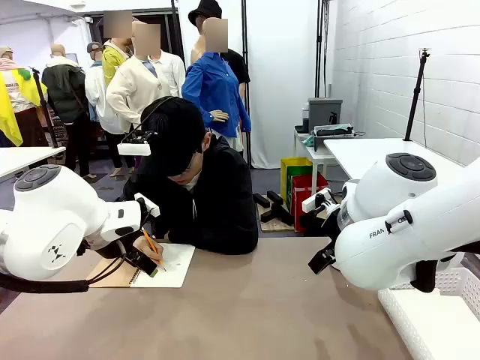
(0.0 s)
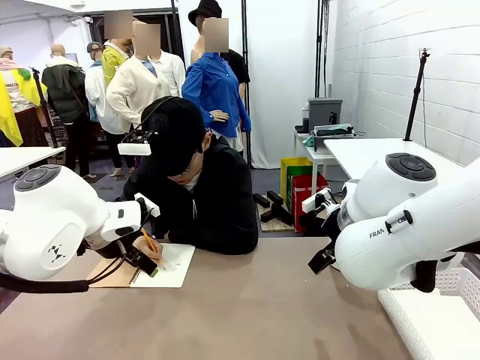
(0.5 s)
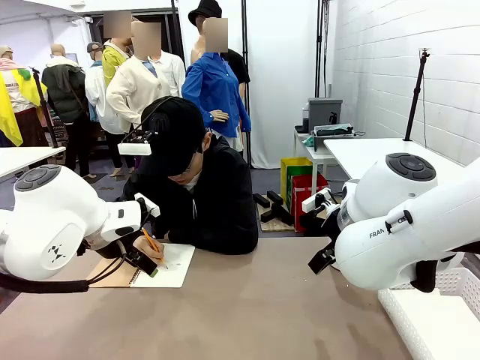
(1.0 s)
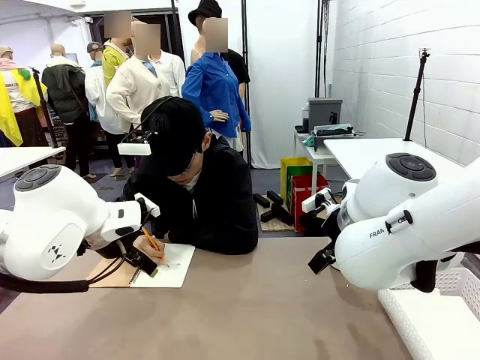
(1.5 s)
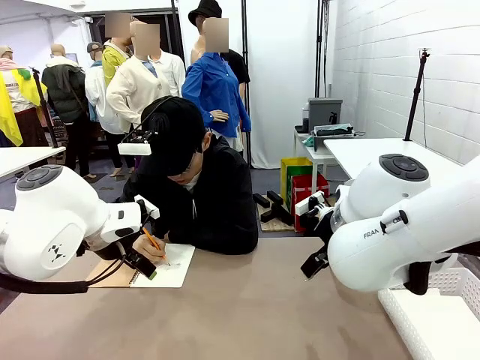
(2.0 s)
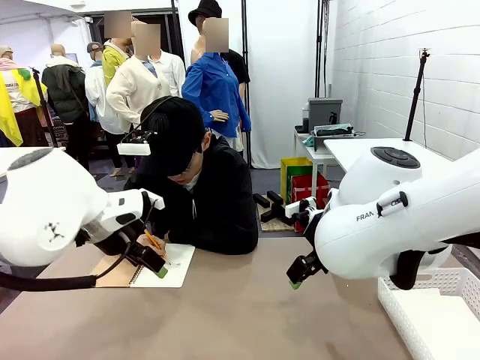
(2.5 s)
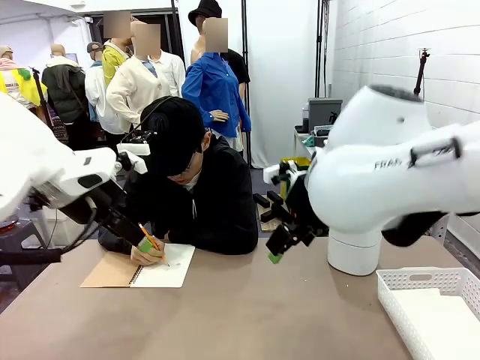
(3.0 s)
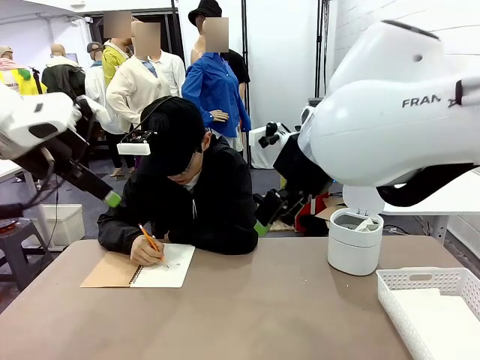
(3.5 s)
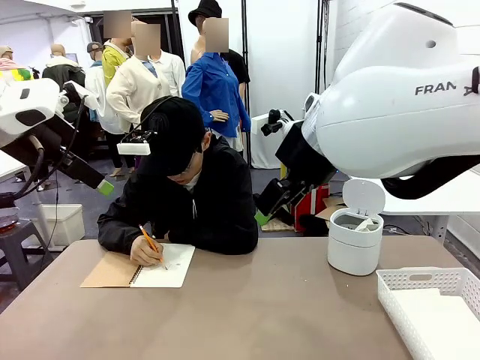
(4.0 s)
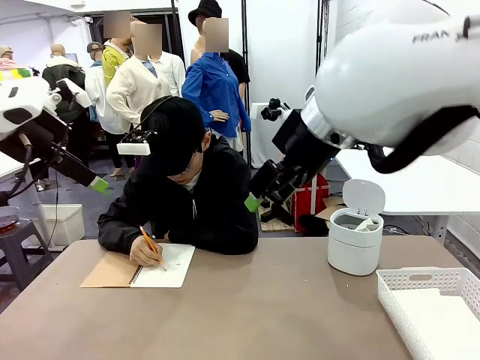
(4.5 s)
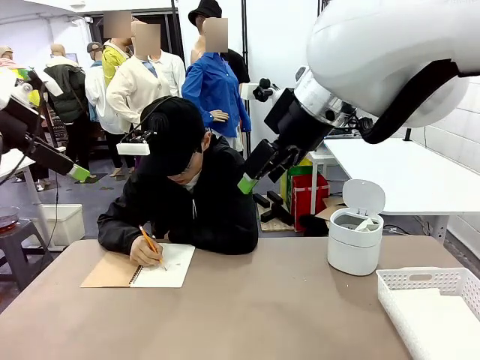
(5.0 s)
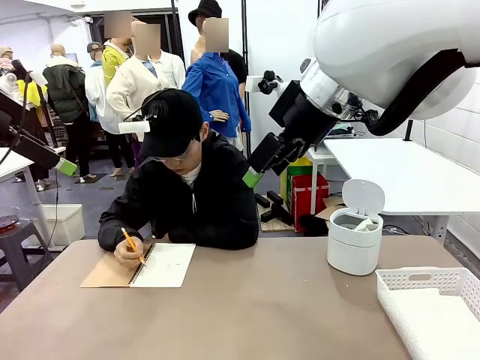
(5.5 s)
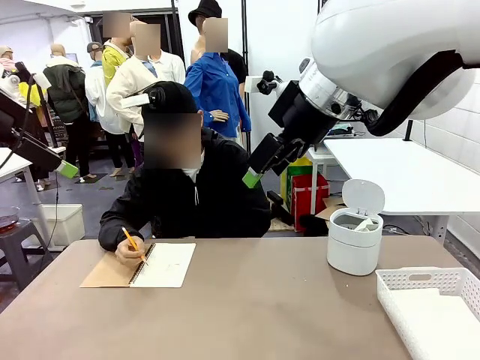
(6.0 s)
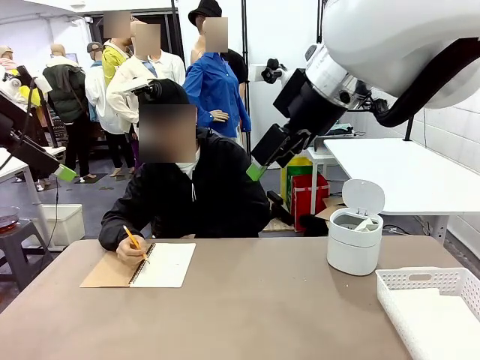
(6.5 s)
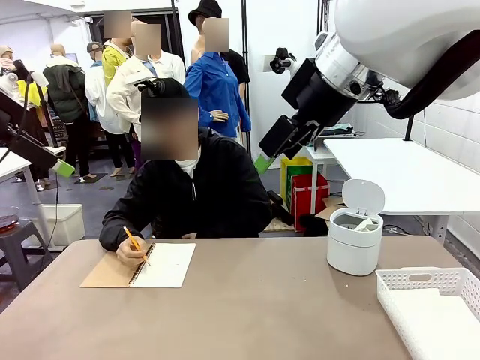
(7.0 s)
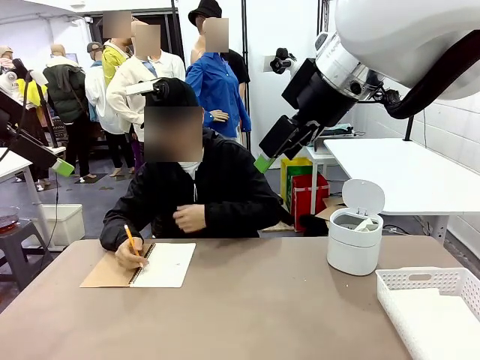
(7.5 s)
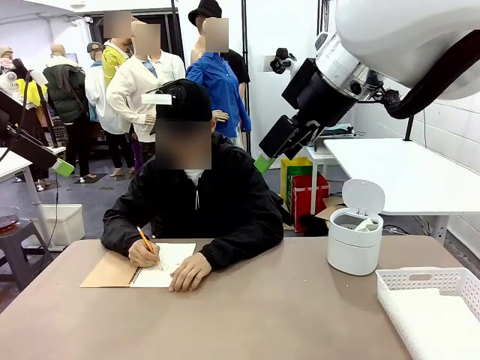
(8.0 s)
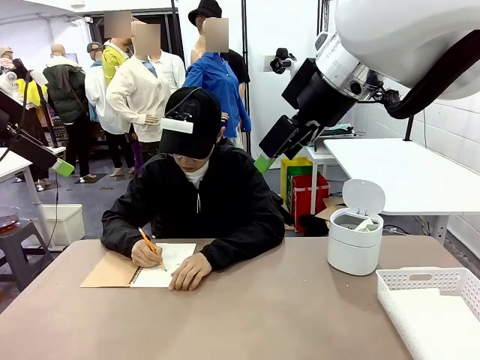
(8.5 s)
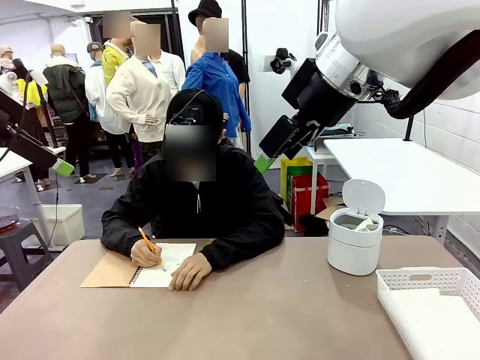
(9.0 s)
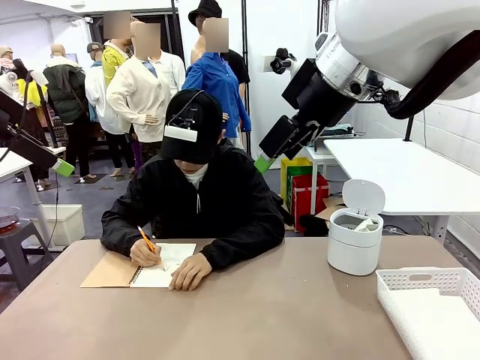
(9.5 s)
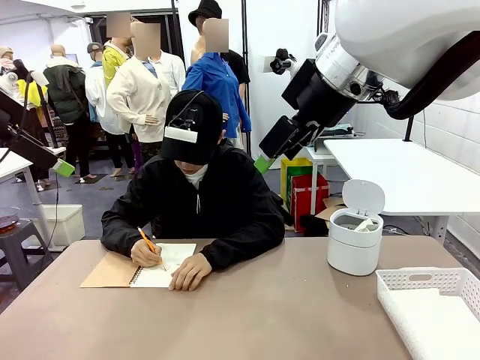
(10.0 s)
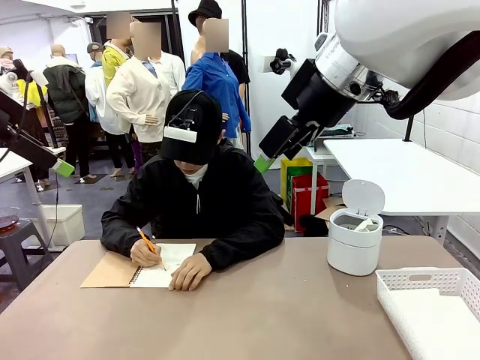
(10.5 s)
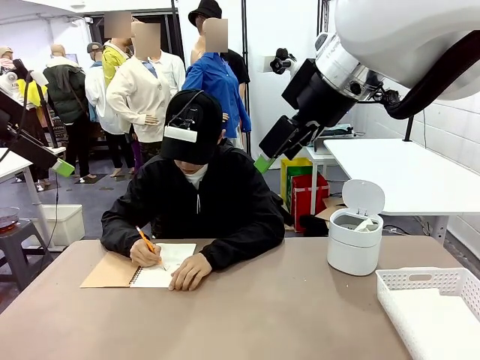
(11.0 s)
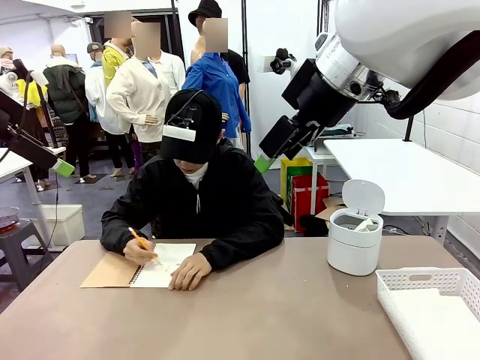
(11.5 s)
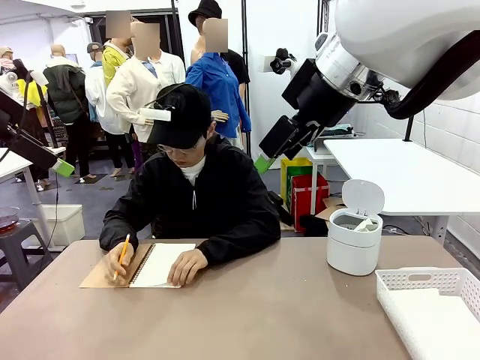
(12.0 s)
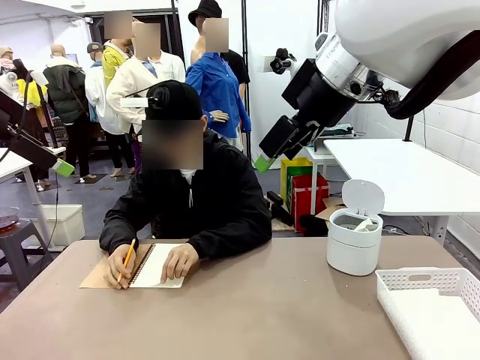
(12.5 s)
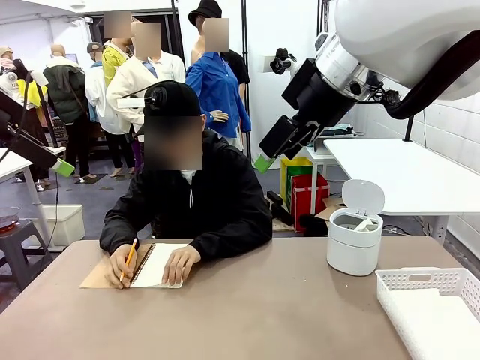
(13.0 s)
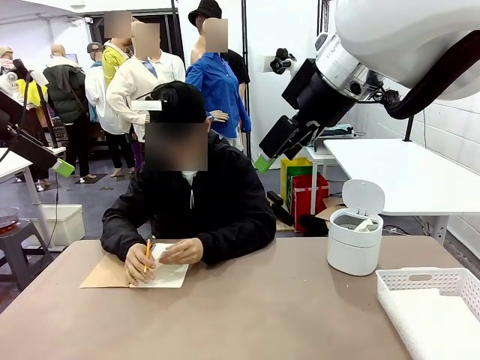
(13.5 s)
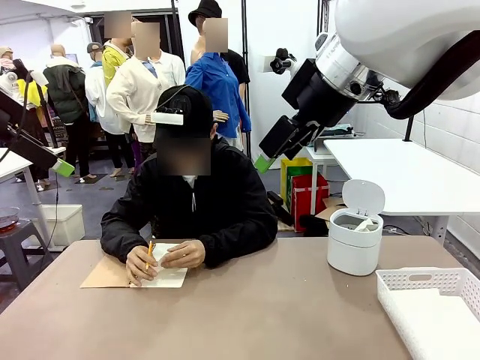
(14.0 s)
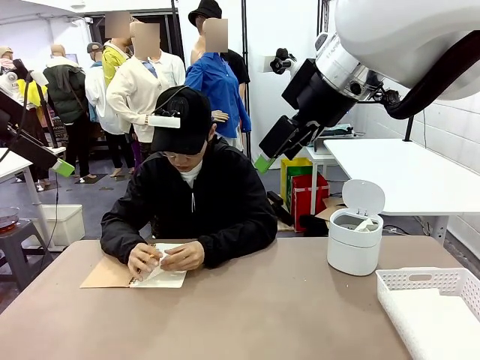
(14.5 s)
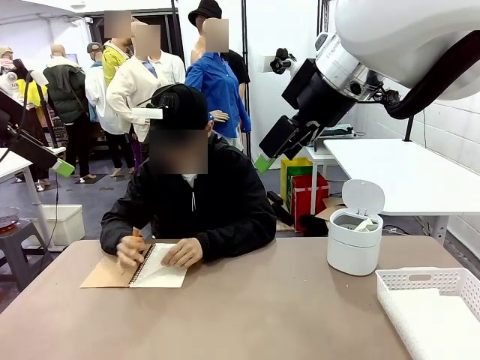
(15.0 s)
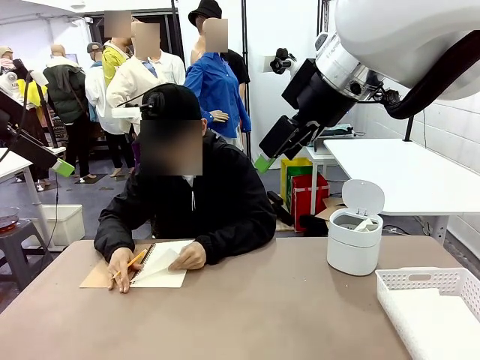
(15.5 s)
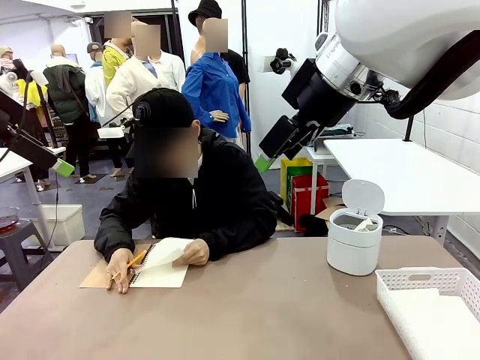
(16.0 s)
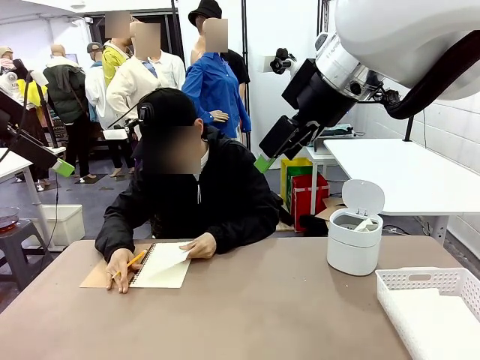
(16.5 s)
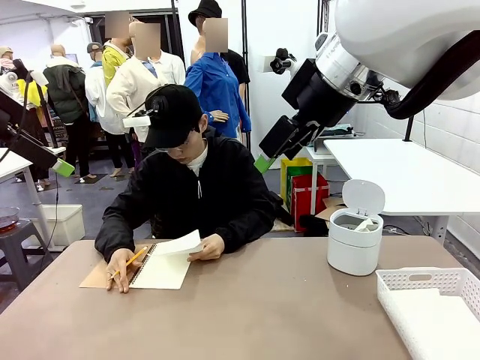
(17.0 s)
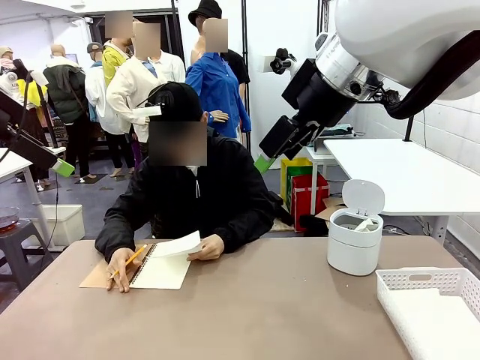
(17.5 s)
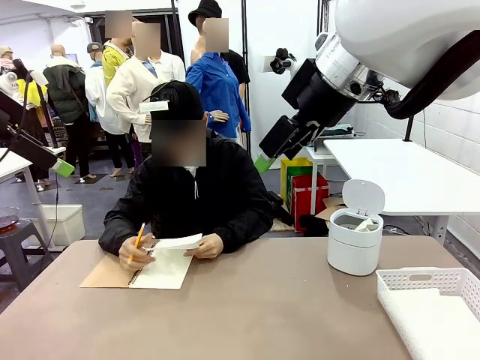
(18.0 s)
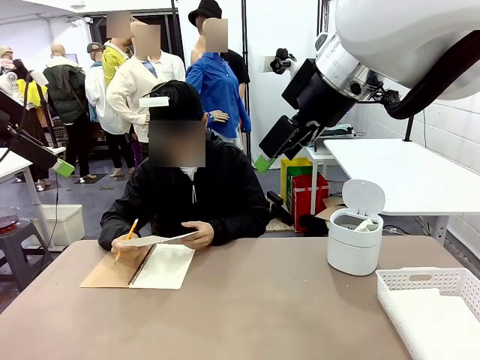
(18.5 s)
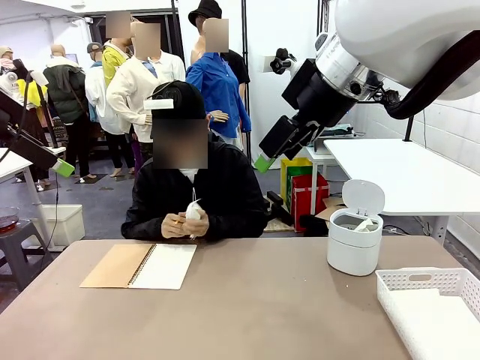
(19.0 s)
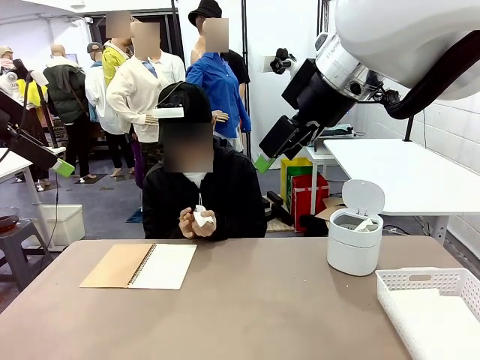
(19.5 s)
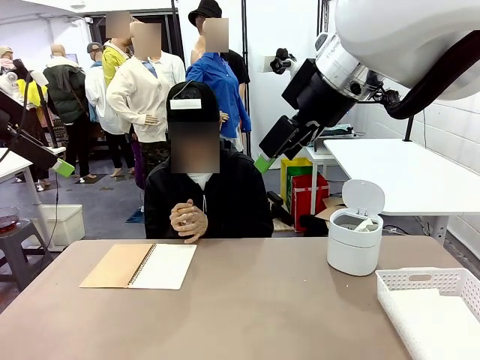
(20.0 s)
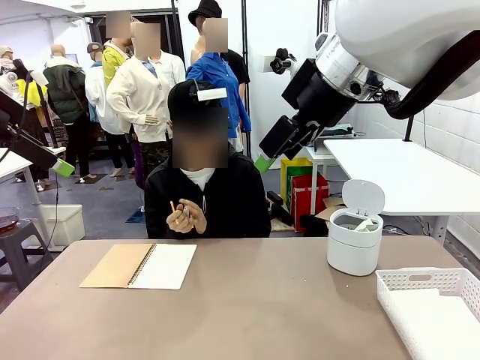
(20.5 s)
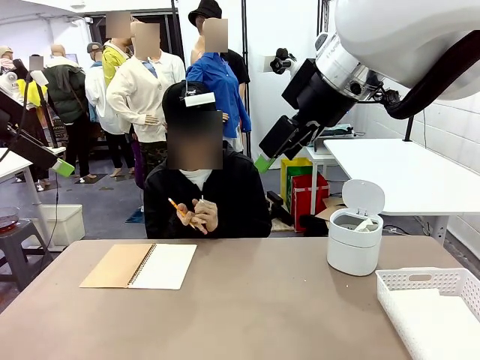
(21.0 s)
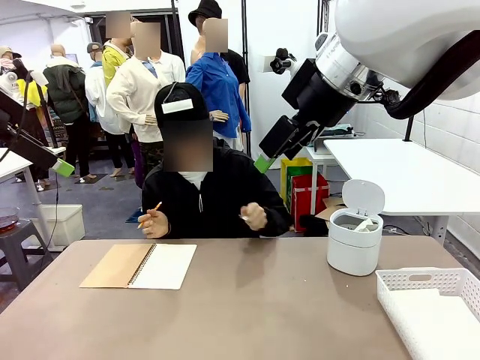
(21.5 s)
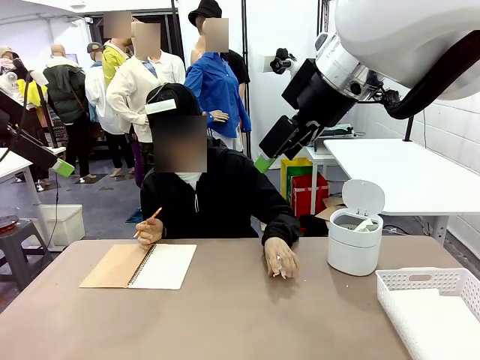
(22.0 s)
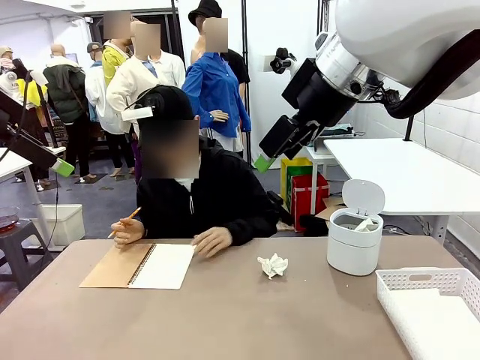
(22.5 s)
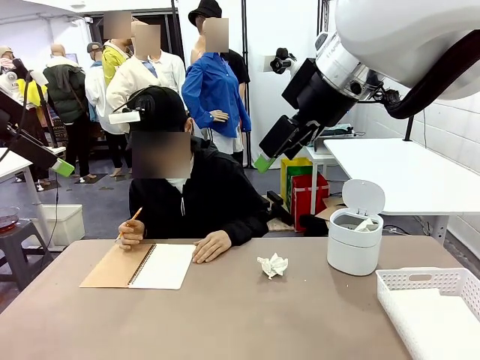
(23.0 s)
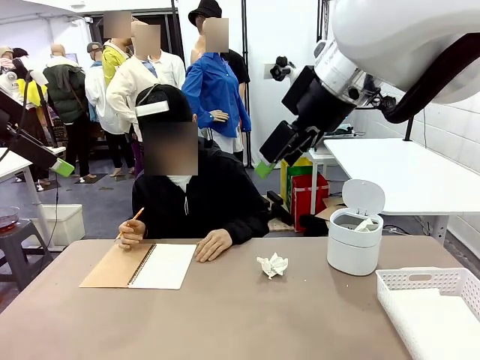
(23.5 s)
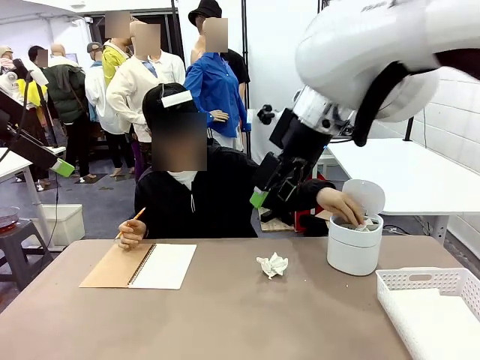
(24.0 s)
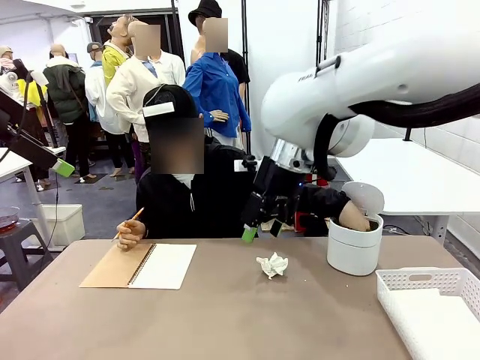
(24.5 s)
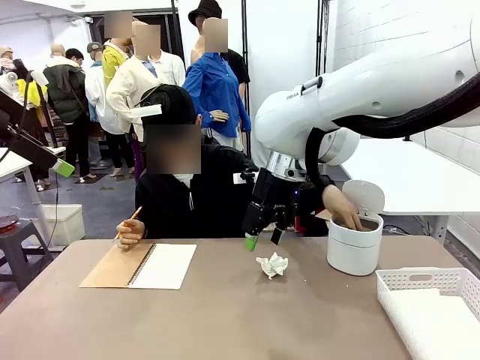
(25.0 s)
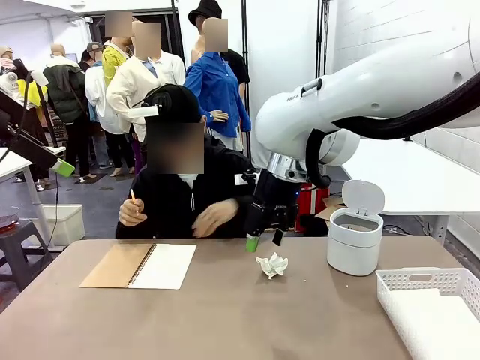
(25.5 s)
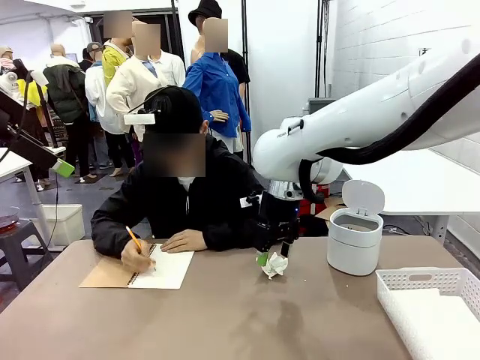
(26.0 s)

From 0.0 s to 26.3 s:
Task: Sort the paper based on its condition.
Robot: If a person hands you a paper, place it in the Organizing basket , and if it's crumpled, put it in the Trash can.
Person: Tear out a page from the spiral notebook. Hand the torn page to the robot or crumple it and throw it to the center of the table.
